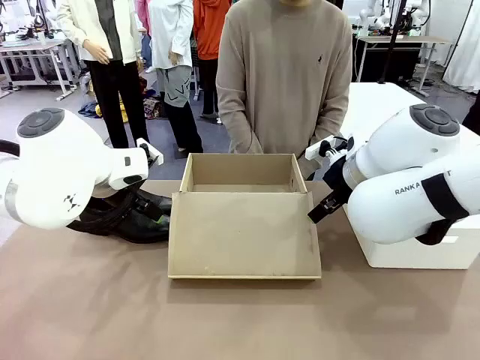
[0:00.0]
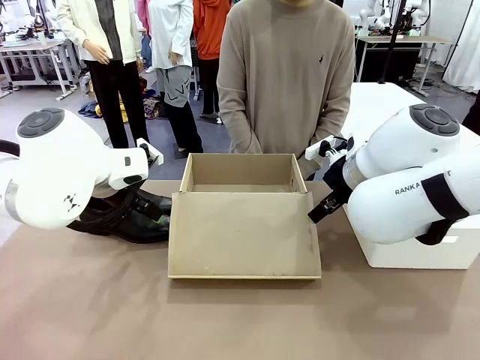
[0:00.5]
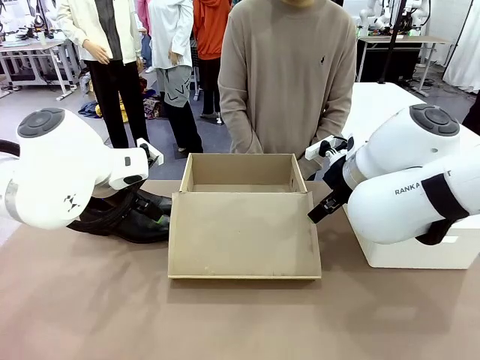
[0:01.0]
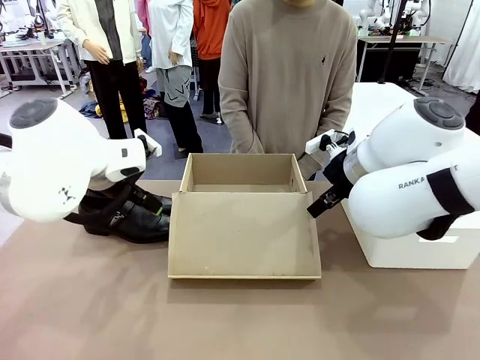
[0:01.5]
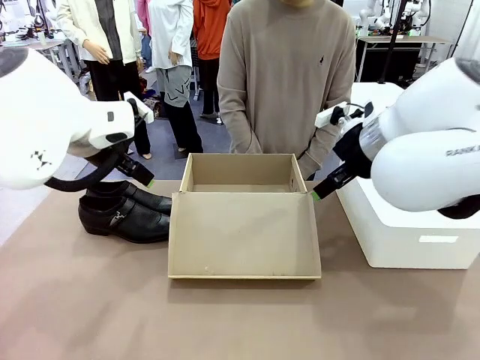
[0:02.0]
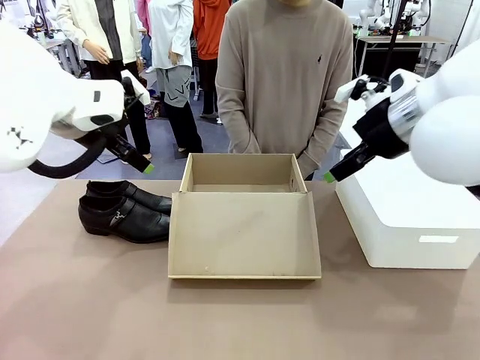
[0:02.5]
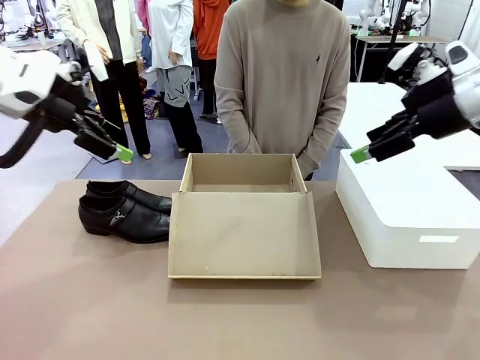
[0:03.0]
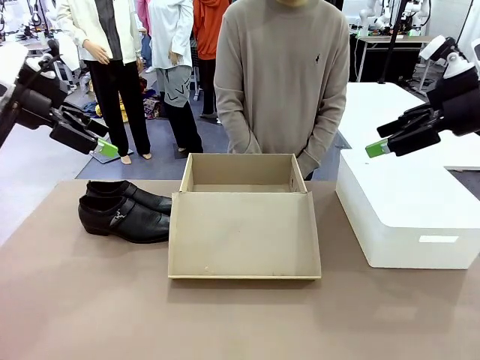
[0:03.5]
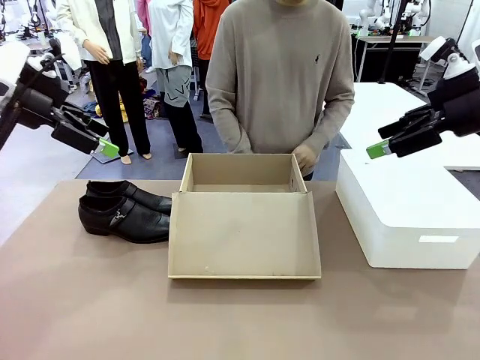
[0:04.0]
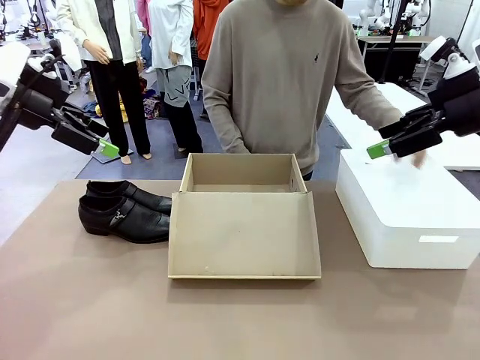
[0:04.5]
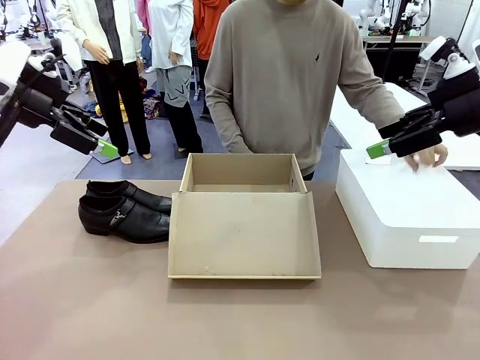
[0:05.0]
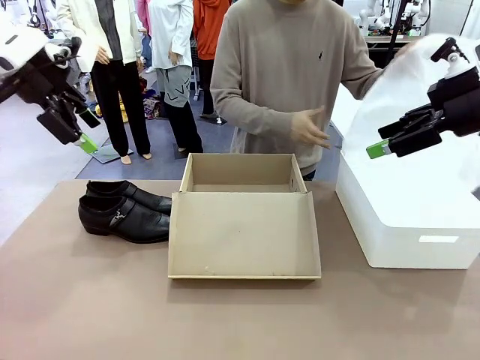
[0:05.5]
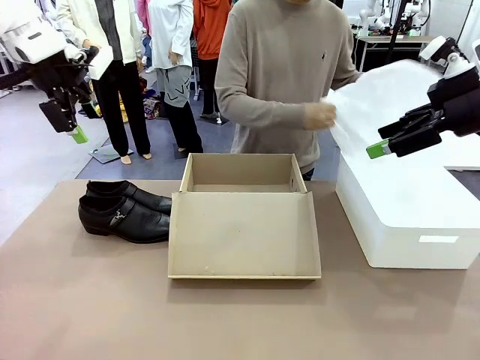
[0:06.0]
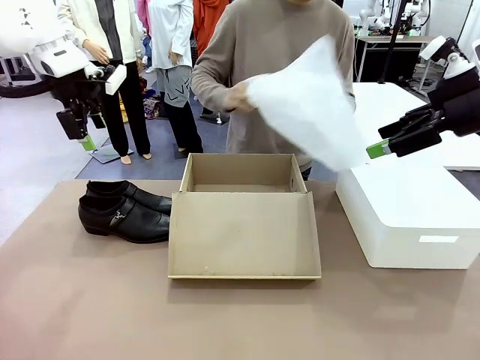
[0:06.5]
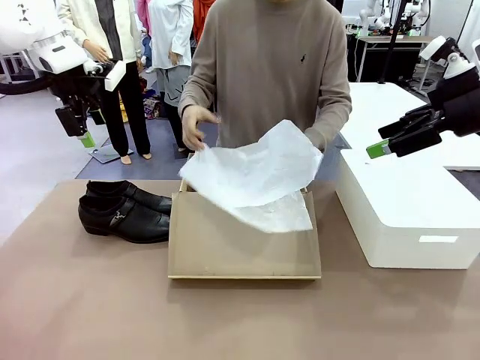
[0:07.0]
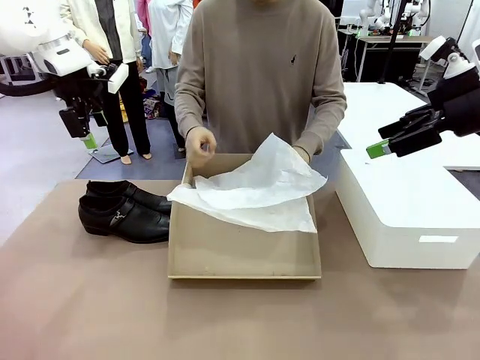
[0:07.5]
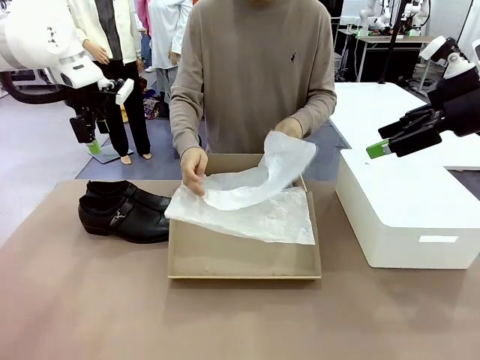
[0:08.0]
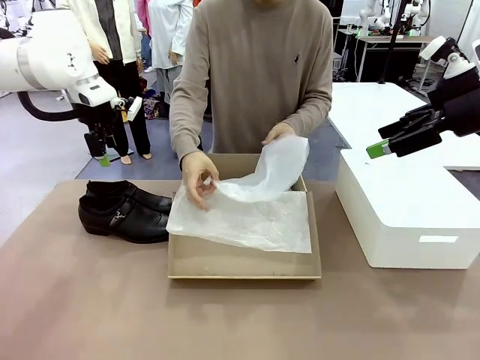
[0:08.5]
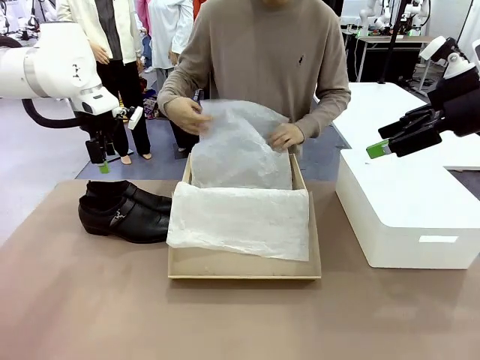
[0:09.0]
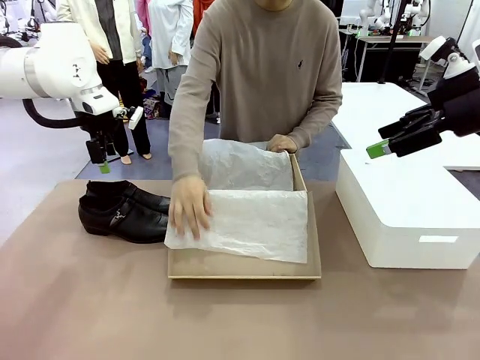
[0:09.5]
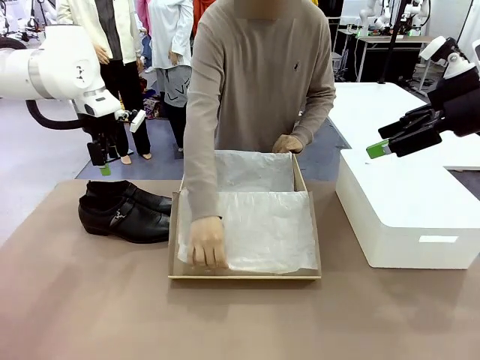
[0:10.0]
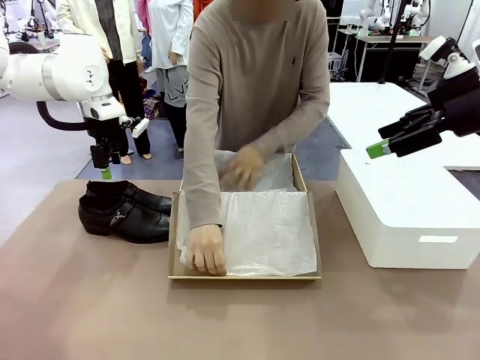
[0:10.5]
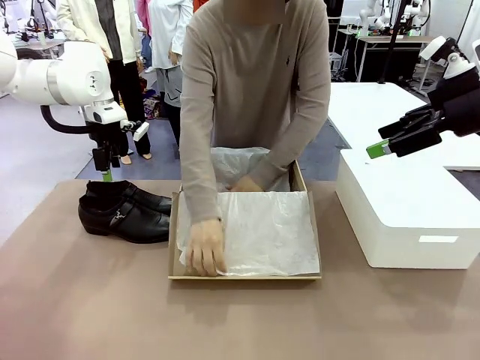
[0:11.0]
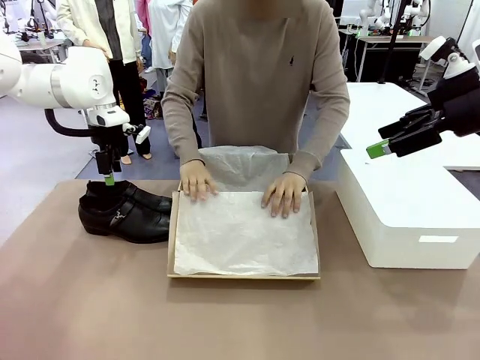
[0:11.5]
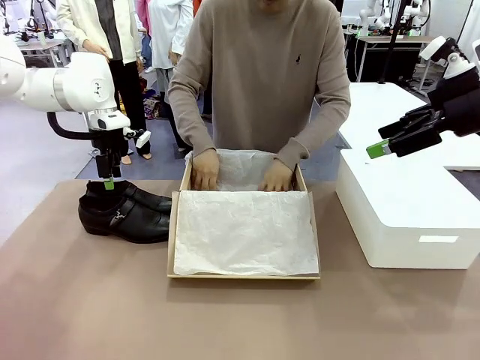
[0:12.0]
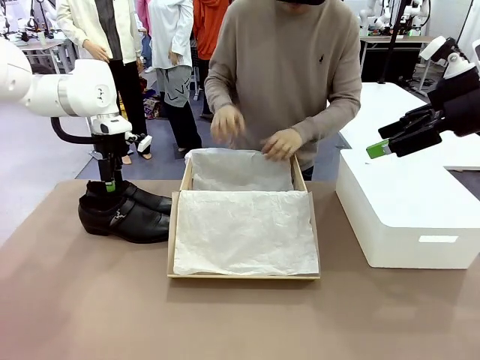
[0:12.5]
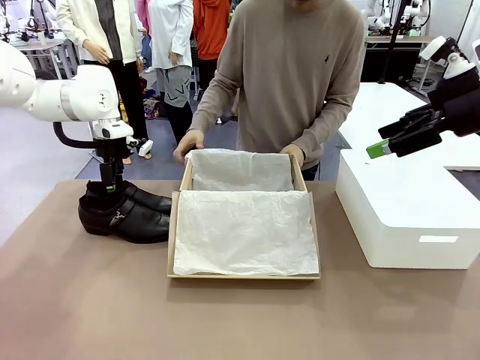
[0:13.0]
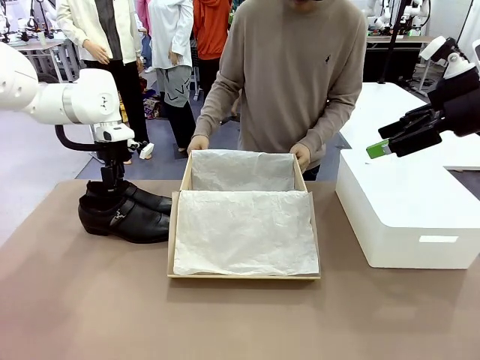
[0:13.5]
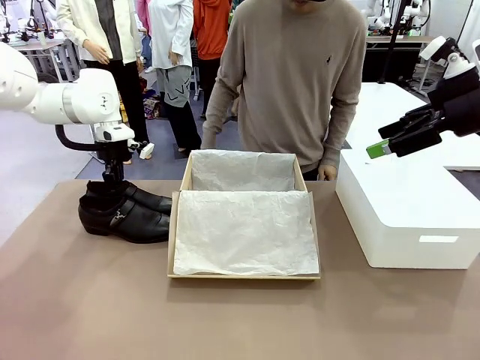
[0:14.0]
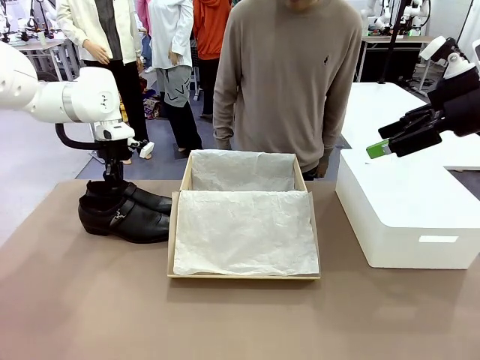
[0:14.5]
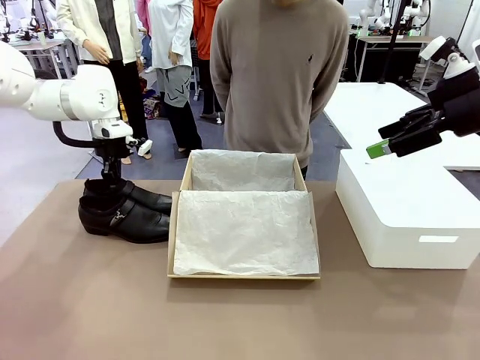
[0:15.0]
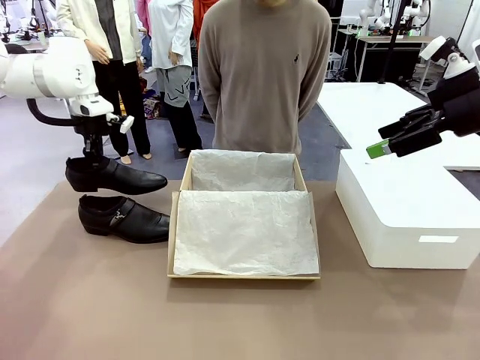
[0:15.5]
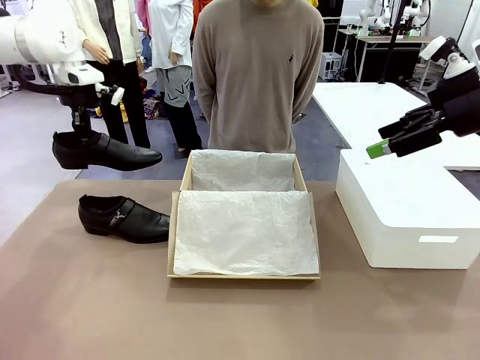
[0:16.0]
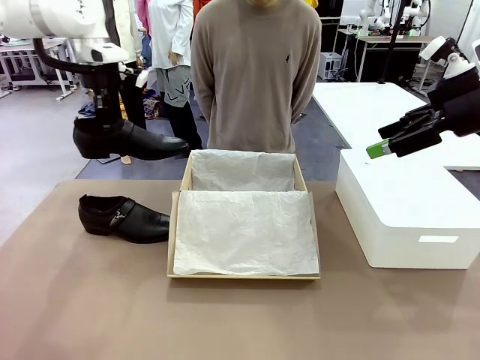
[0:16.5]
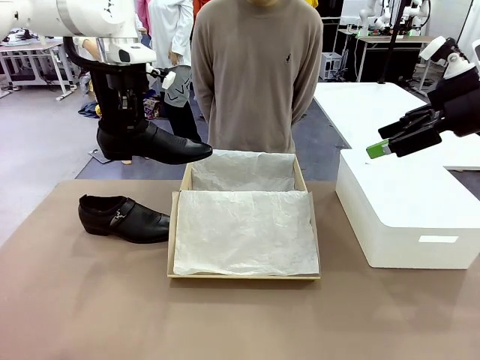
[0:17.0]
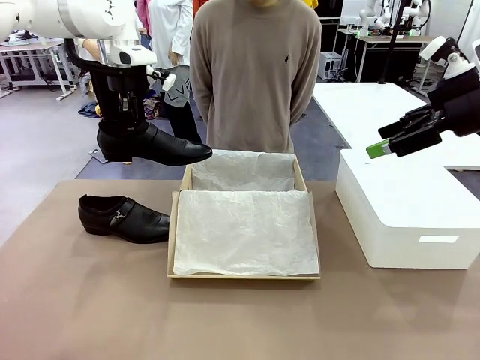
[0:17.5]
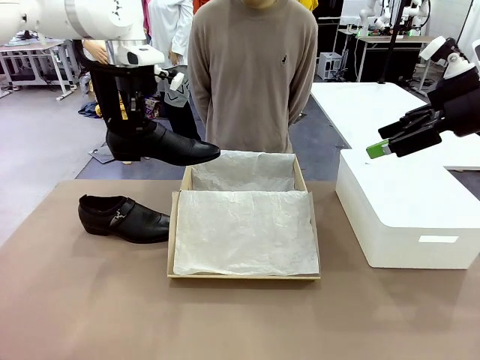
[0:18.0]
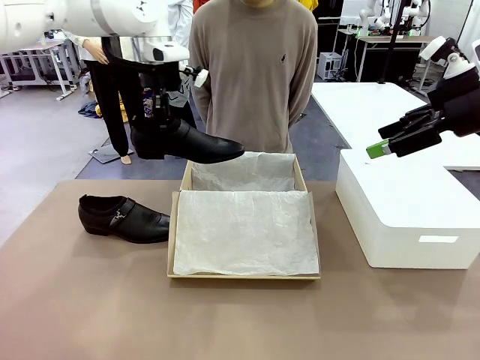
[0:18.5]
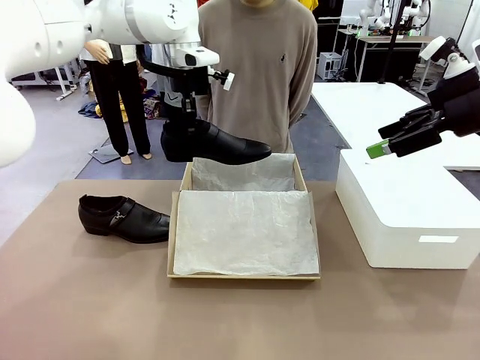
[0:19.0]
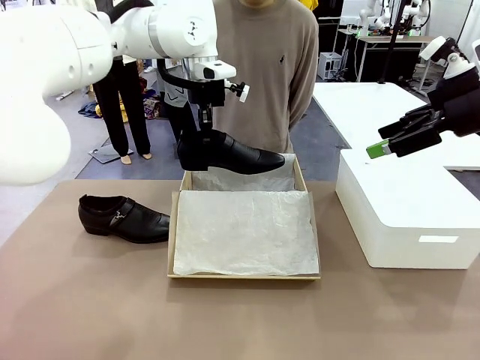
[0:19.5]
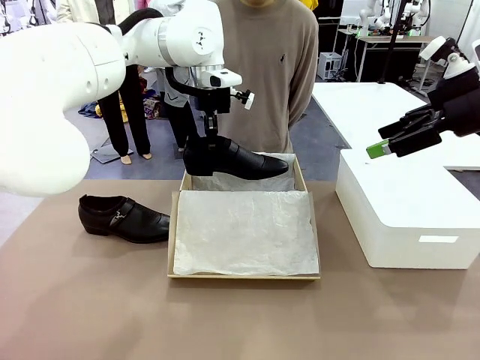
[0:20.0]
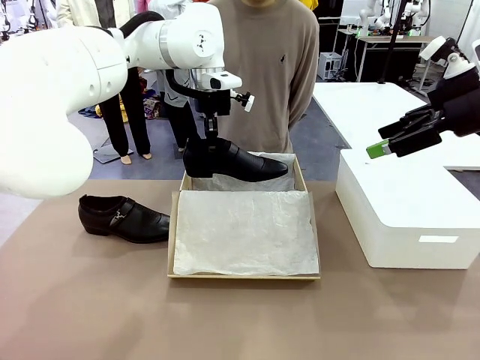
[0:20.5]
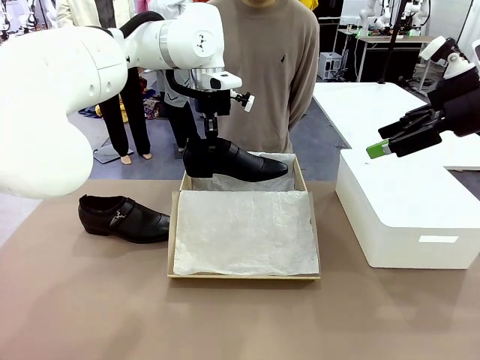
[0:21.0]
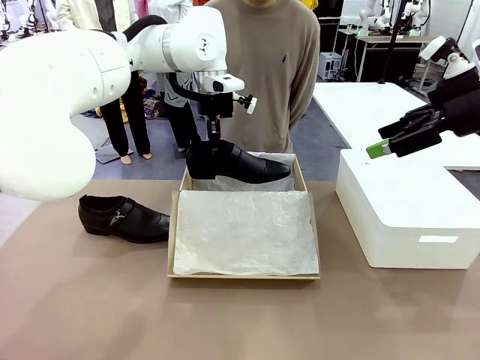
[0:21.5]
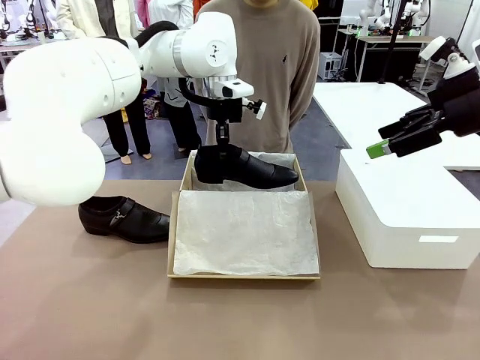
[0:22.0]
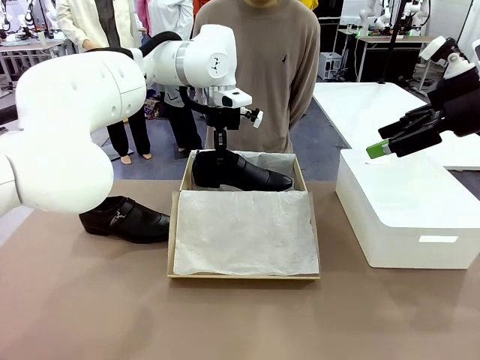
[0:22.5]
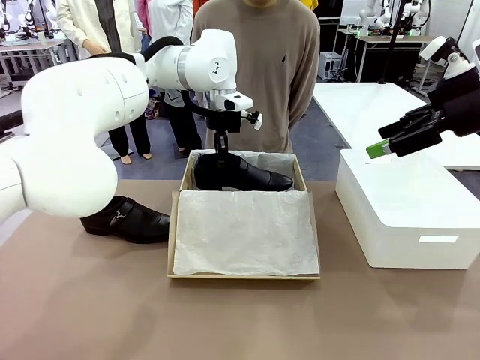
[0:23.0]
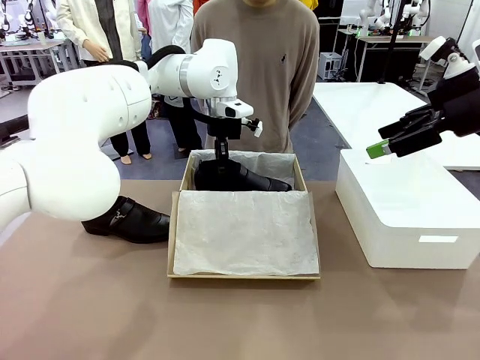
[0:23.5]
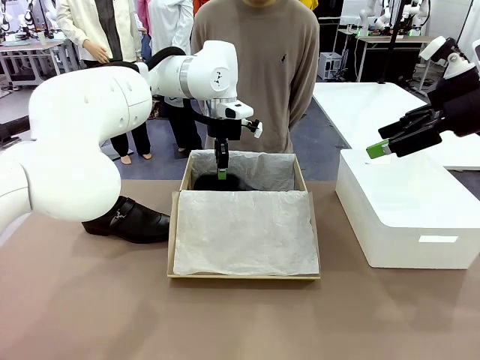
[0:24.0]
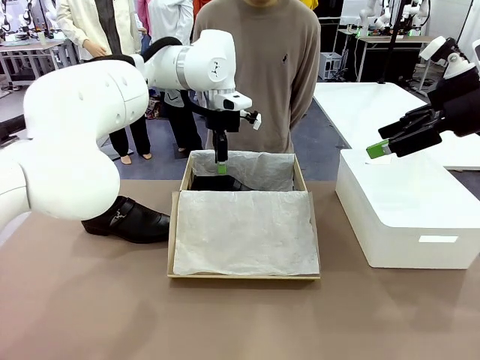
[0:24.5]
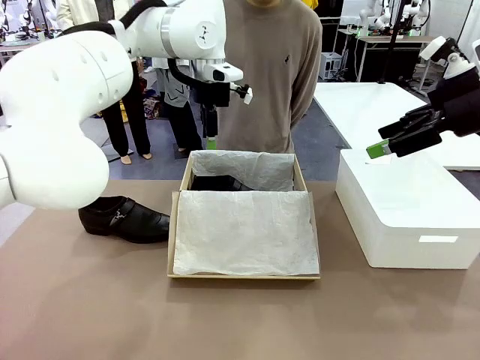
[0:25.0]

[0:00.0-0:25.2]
Task: Pack the shoes into the box.
Robot: Place one shoe of the Shoes into the Shoes Box.
Person: Spread Shoes Wrapping Paper and place inside the Shoes Box.
